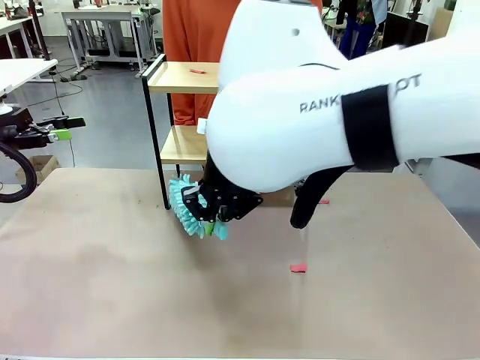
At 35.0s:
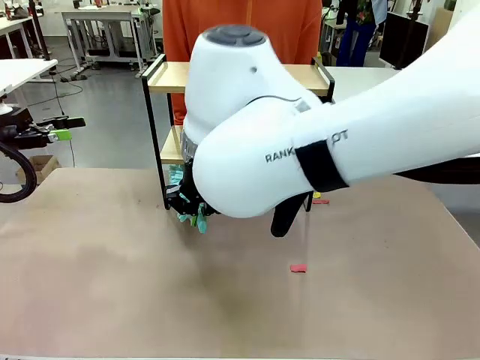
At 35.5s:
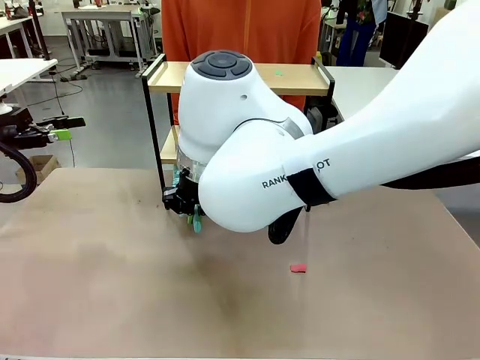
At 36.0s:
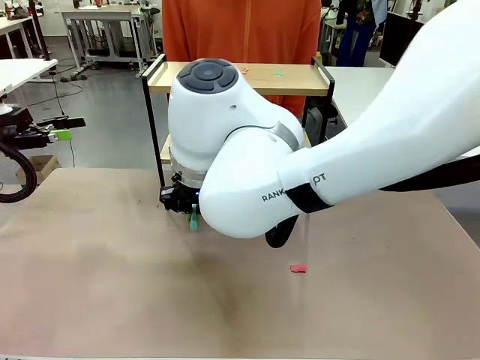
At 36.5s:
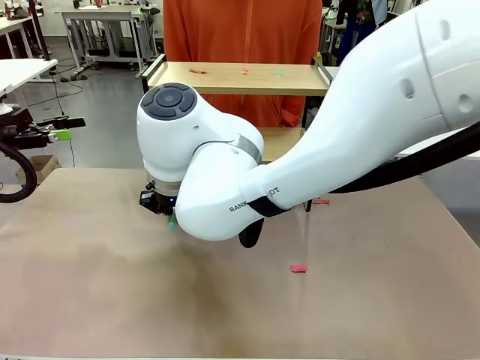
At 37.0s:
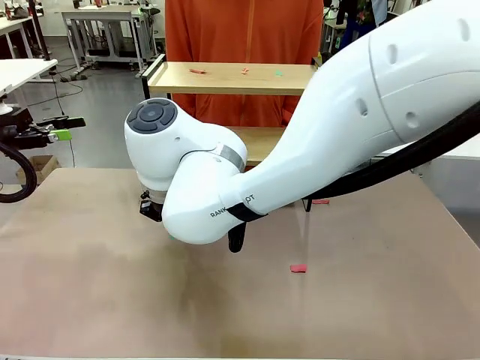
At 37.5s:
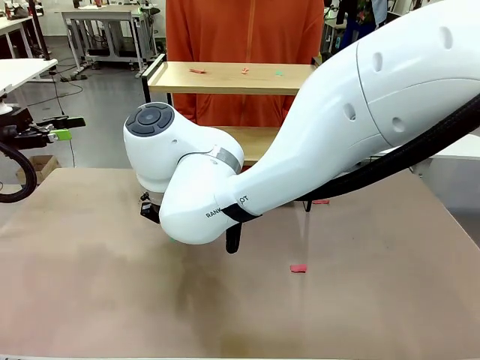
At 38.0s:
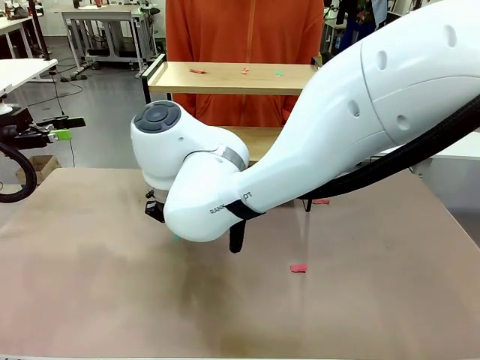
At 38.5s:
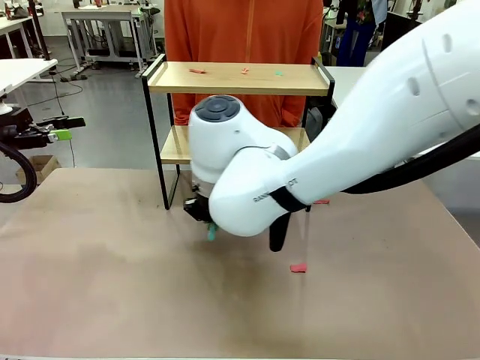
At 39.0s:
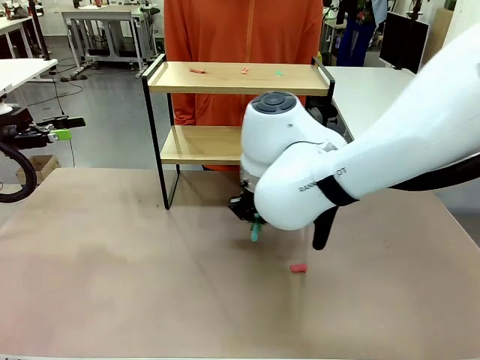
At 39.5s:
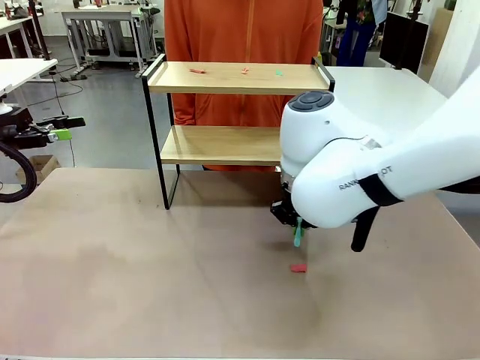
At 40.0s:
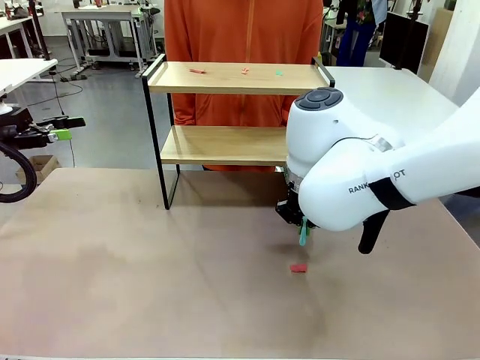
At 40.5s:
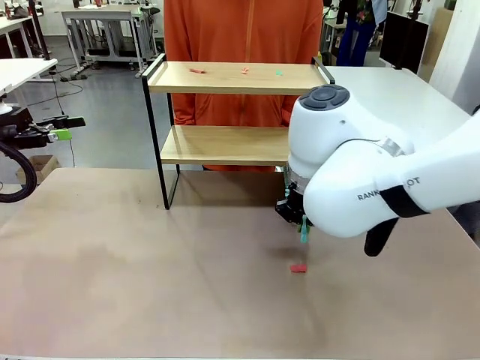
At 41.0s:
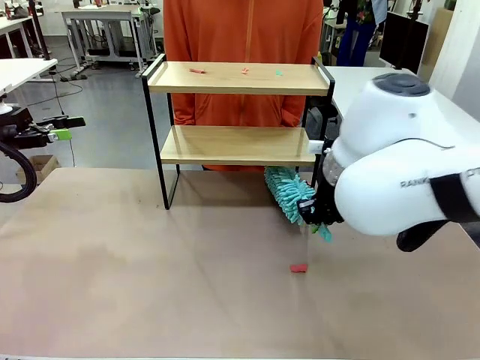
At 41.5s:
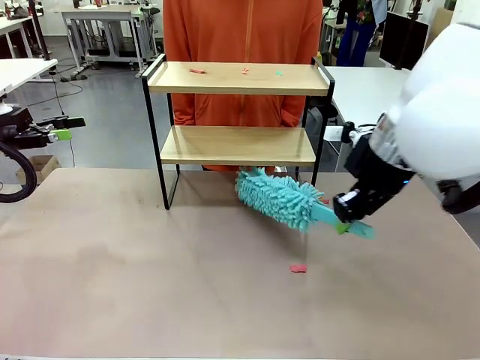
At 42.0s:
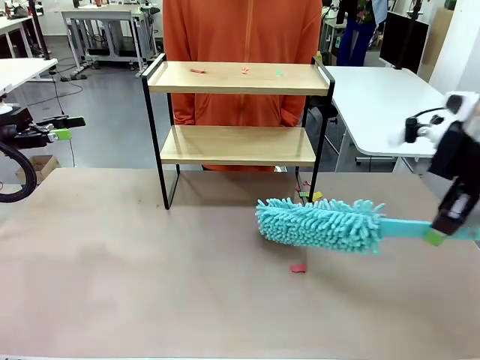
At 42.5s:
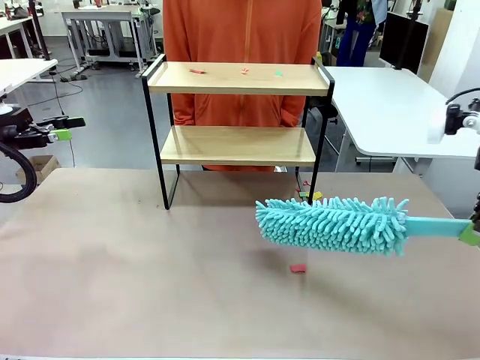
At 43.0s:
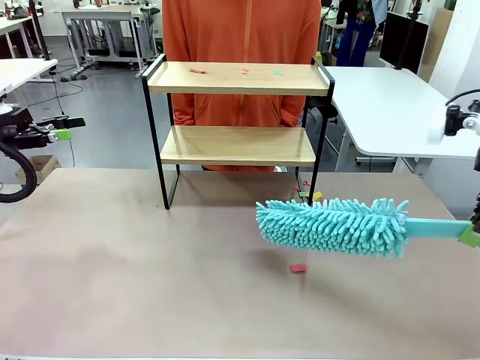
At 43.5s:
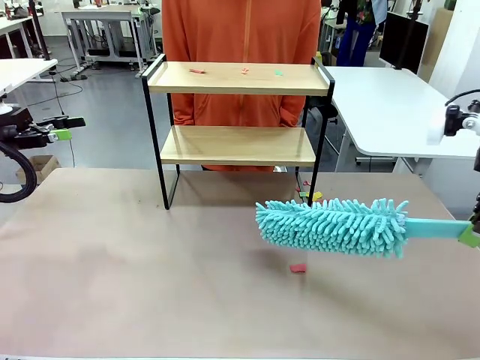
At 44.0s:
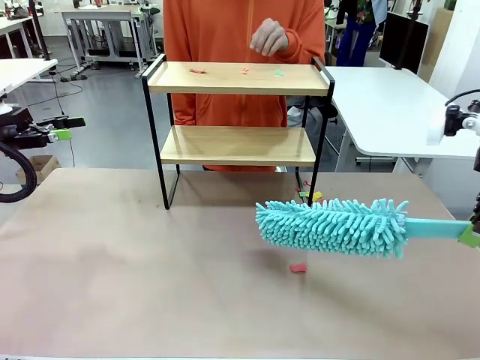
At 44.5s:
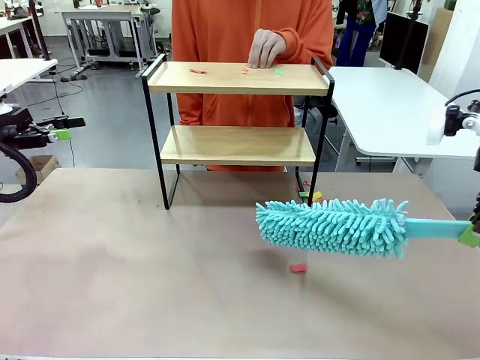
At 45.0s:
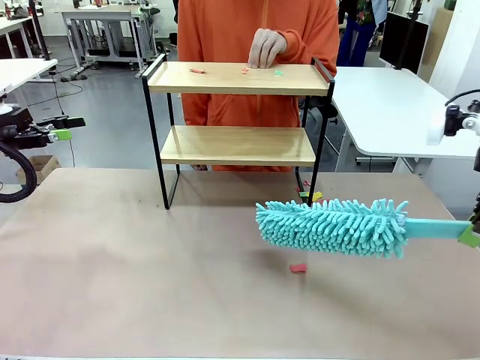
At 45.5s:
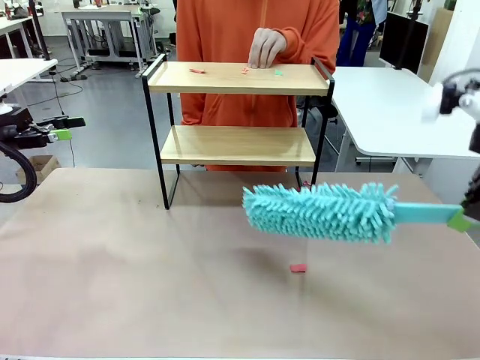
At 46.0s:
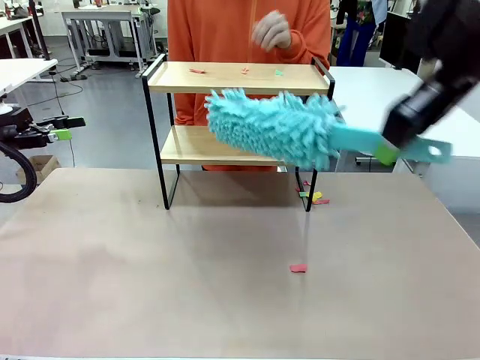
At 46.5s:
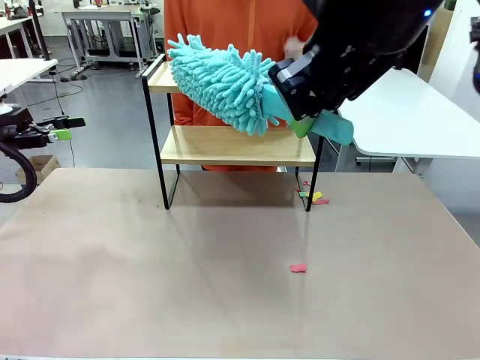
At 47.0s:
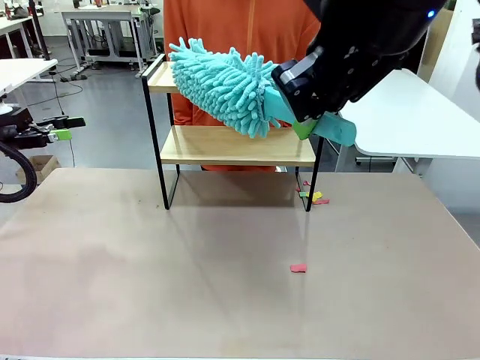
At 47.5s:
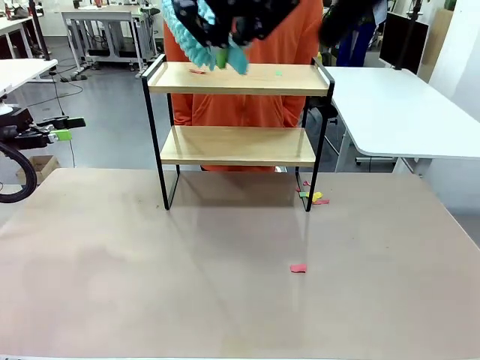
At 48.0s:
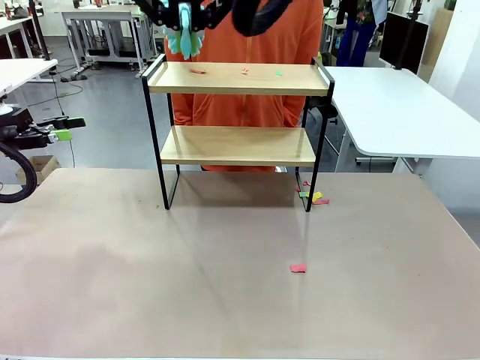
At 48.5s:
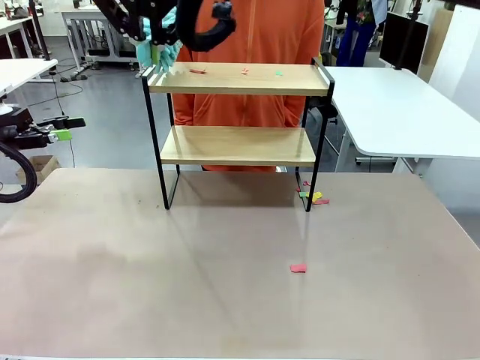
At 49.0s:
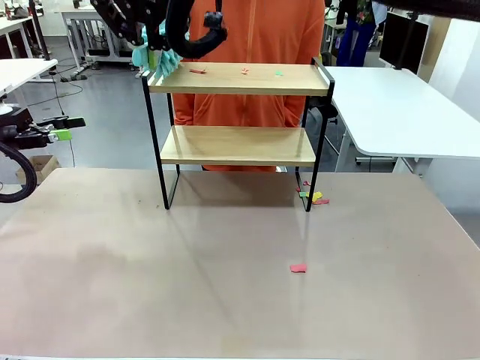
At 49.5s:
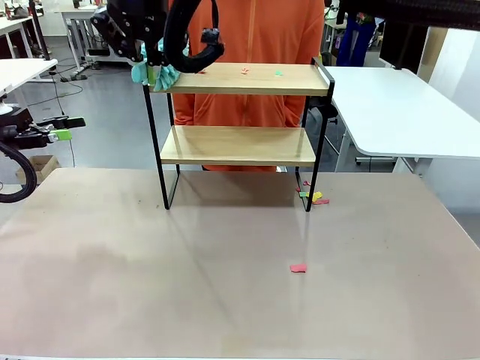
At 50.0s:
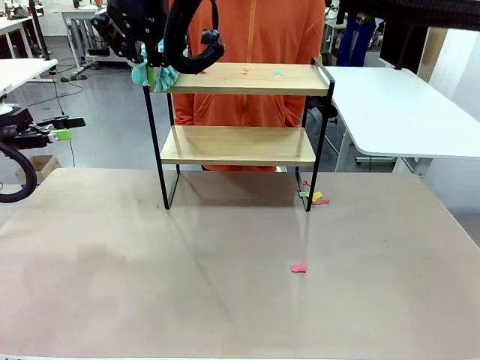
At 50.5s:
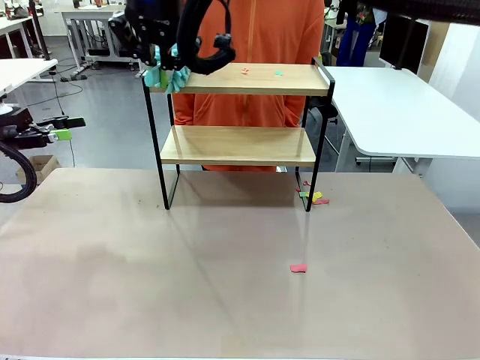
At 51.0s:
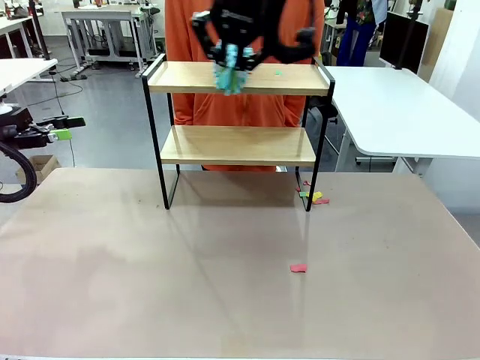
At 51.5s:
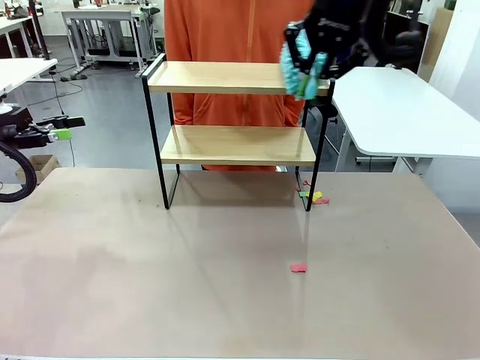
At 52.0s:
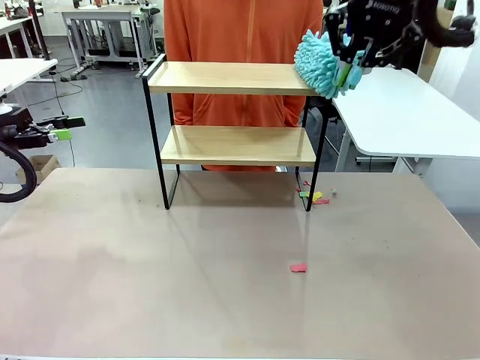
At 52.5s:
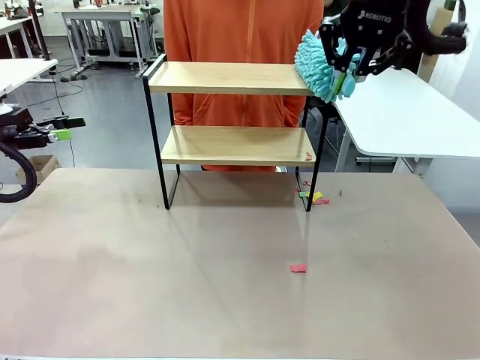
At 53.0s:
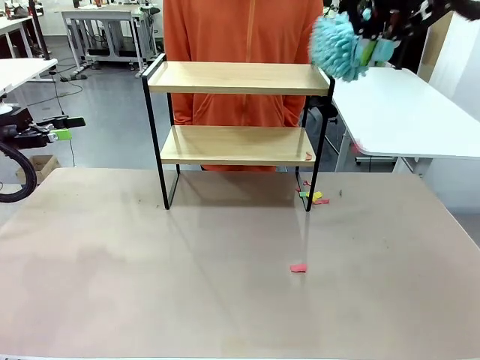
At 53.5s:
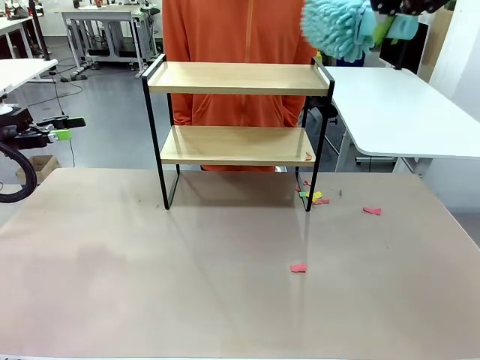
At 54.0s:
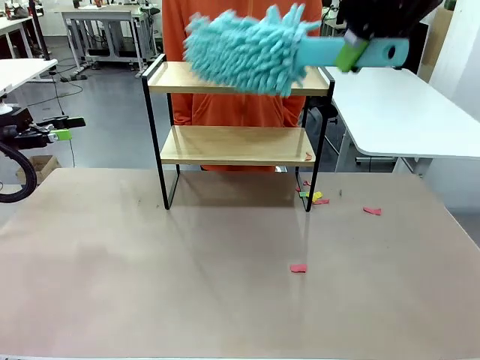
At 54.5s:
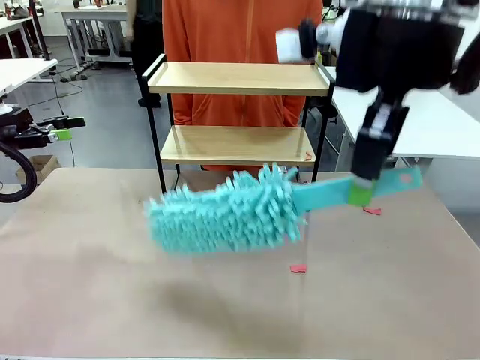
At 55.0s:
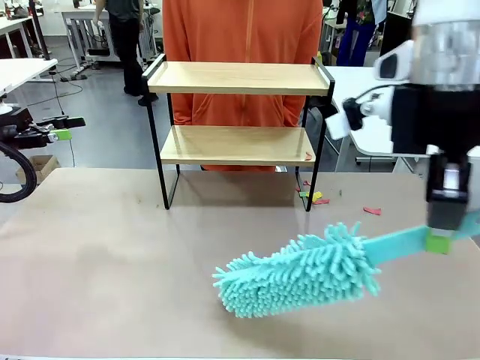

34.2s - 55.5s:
Task: Clean the shelf.
Robot: Clean the specific section of the Shelf indicated by the human with the Duster.
Person: Point a remaining section of the Shelf.

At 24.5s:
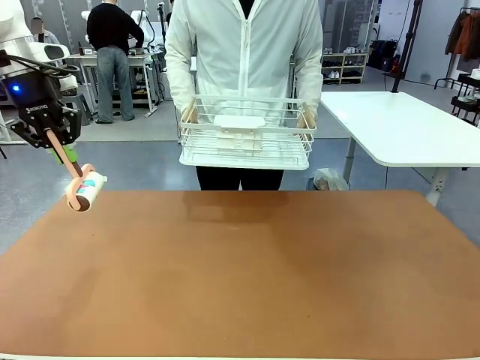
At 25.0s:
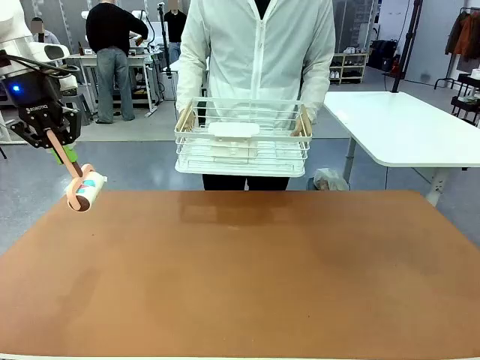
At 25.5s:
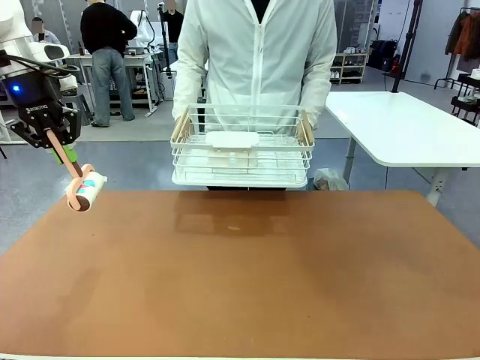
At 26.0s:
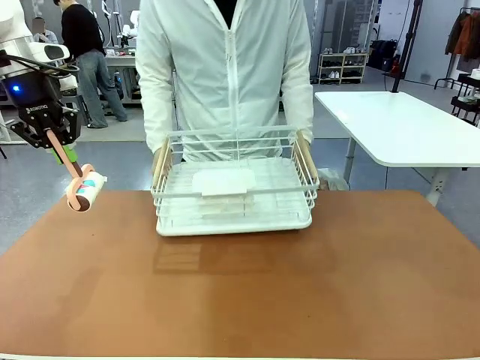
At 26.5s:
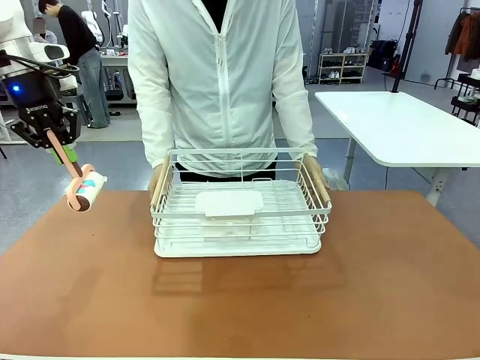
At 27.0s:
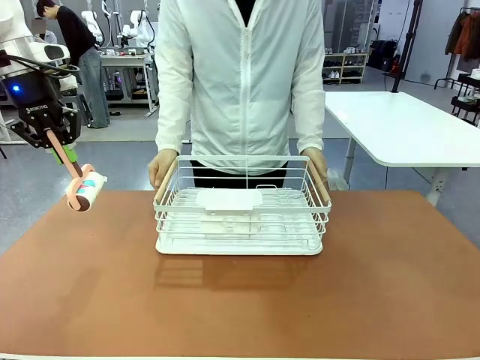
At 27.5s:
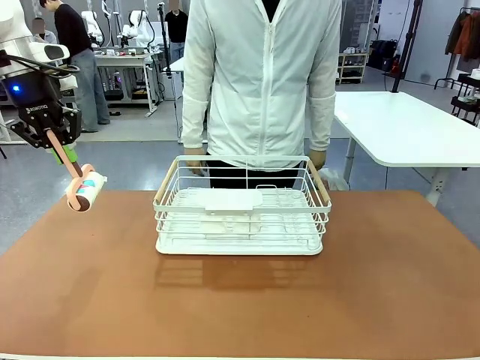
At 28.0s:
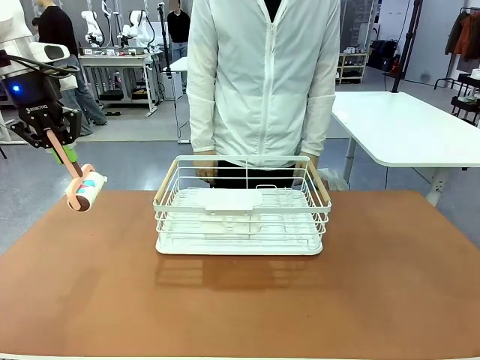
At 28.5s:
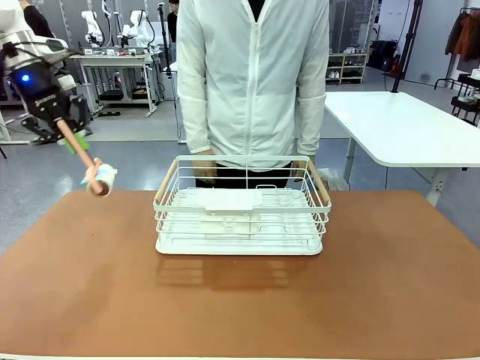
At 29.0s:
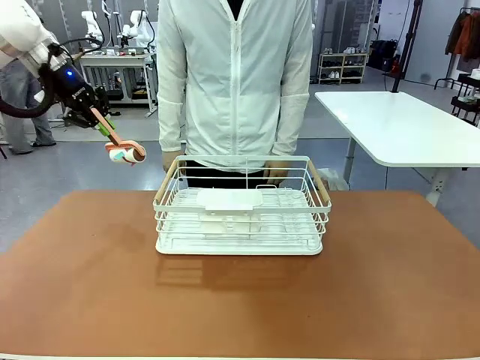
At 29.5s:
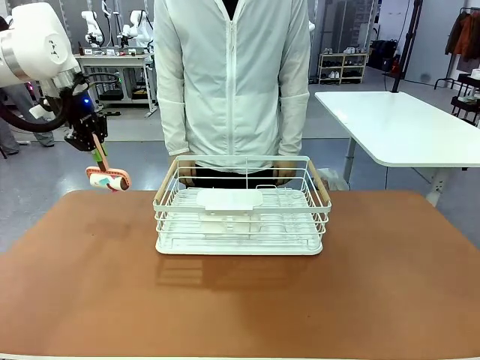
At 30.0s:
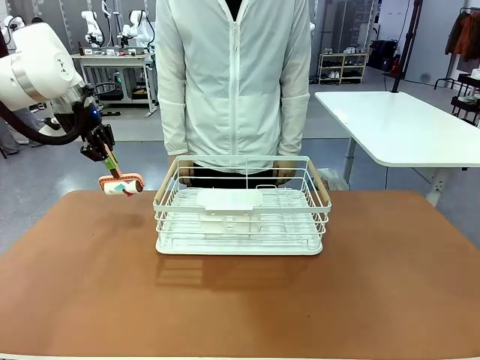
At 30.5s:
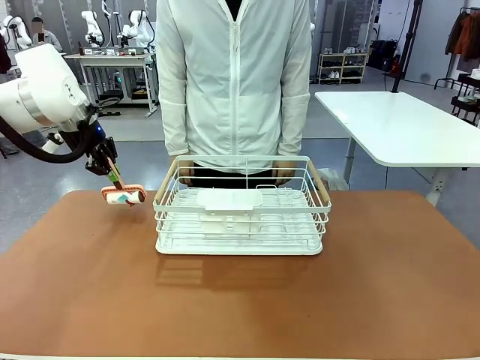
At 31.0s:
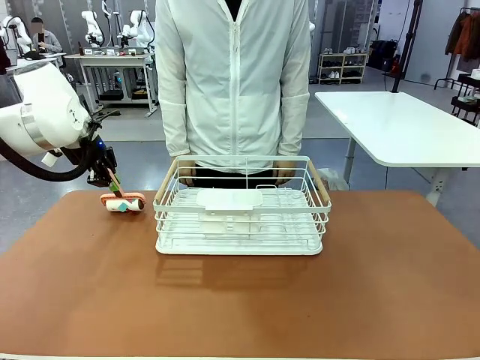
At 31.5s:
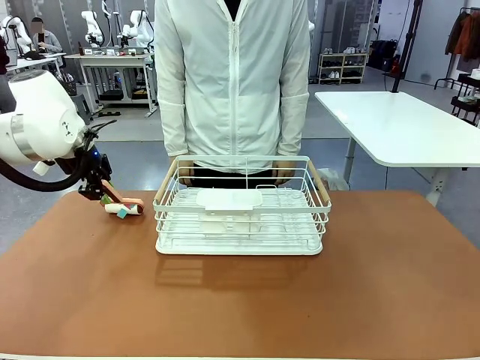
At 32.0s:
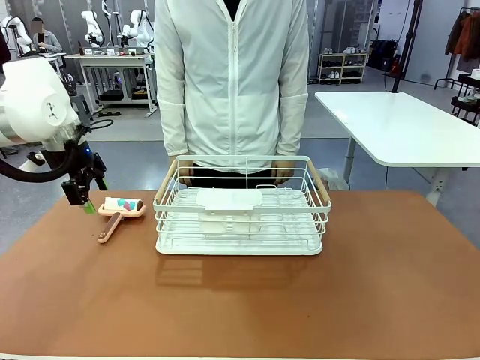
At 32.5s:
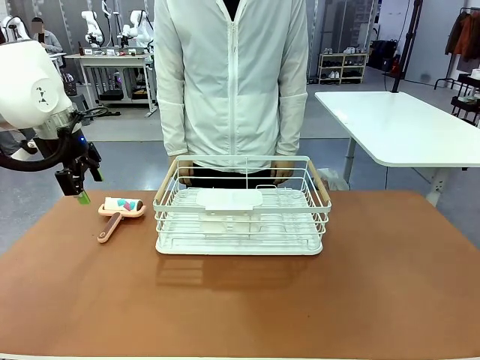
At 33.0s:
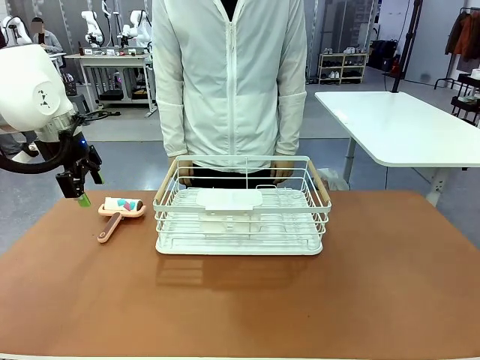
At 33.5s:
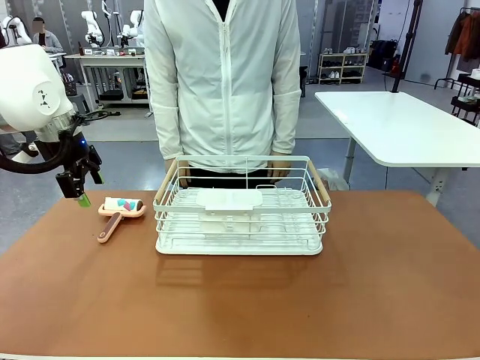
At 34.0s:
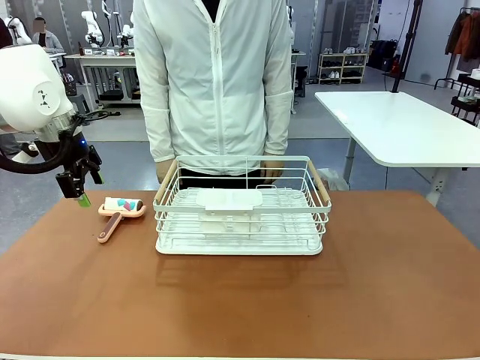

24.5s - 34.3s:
Task: Clean the table.
Robot: Place the Lint Roller down when the Dish drying rack is positioned in the middle of the table.
Person: Place the Dish drying rack down when the robot finishes cleaning.
